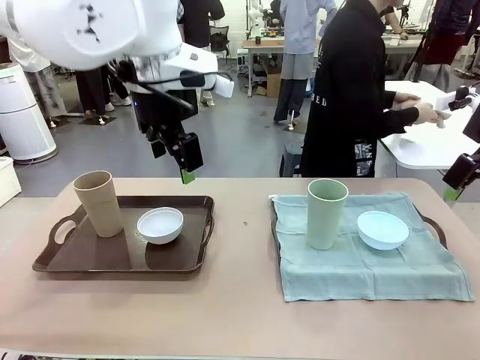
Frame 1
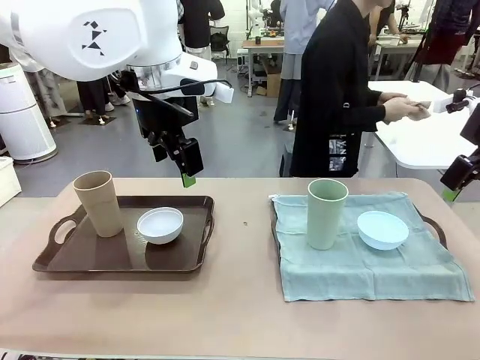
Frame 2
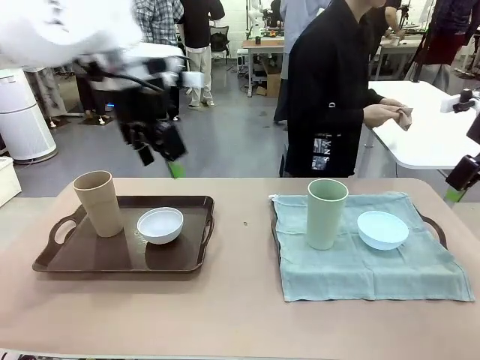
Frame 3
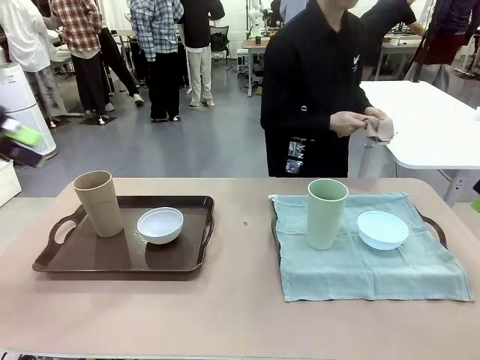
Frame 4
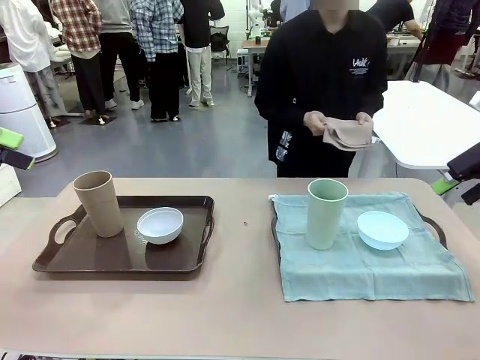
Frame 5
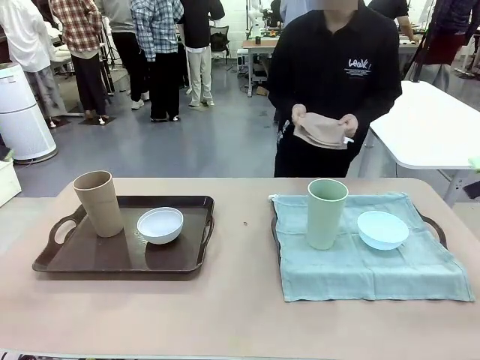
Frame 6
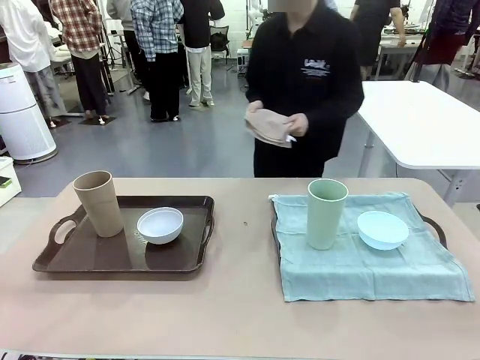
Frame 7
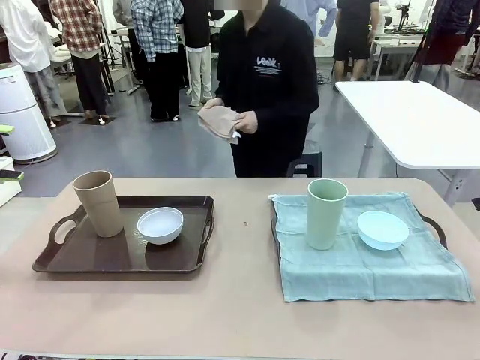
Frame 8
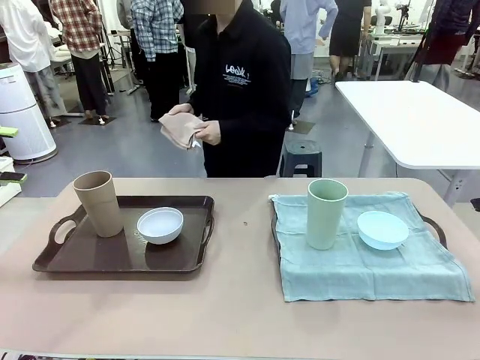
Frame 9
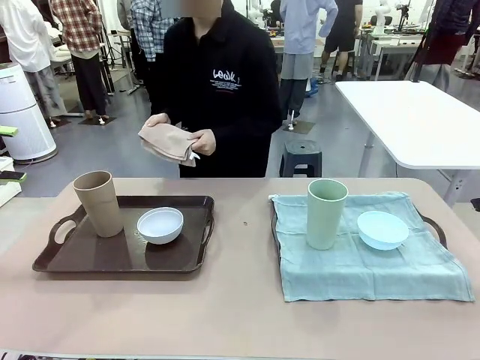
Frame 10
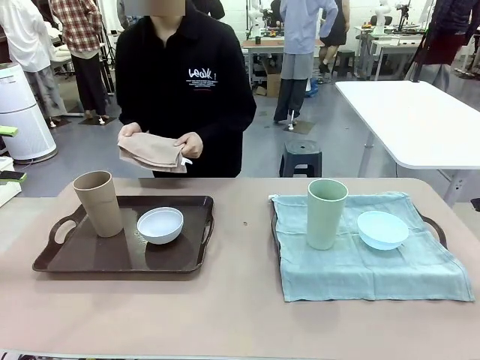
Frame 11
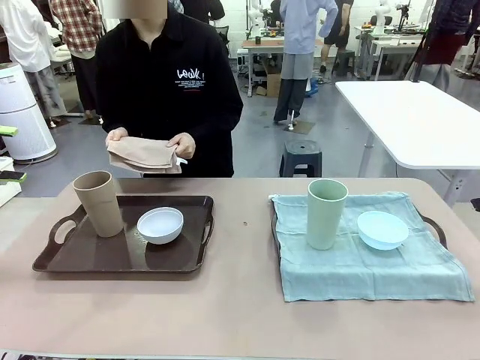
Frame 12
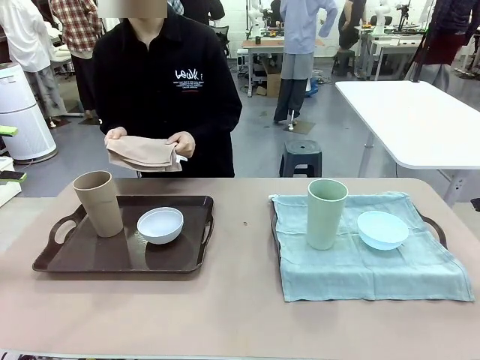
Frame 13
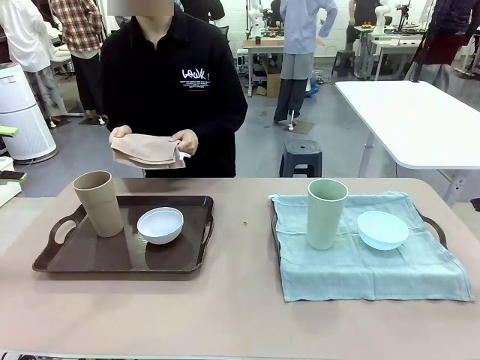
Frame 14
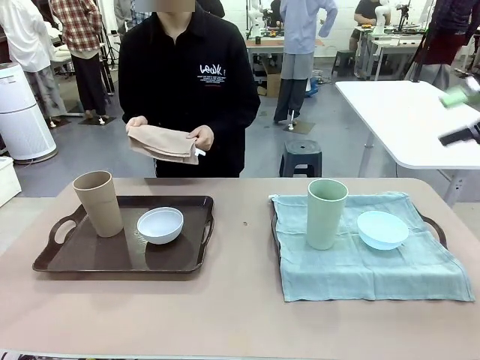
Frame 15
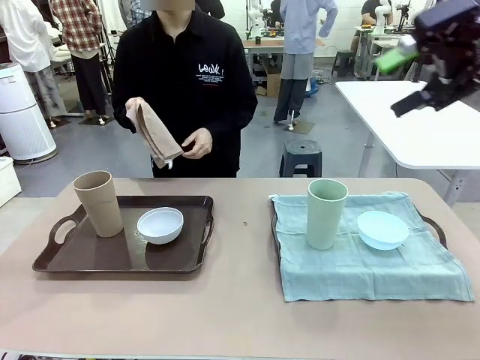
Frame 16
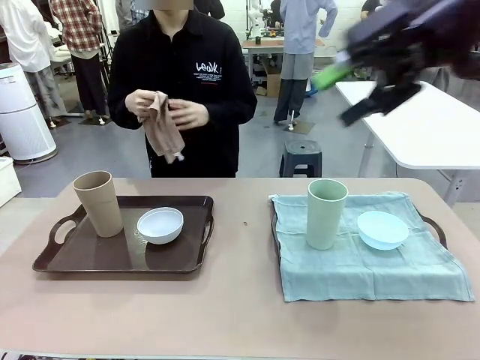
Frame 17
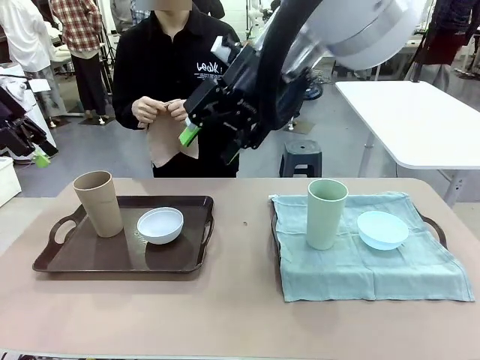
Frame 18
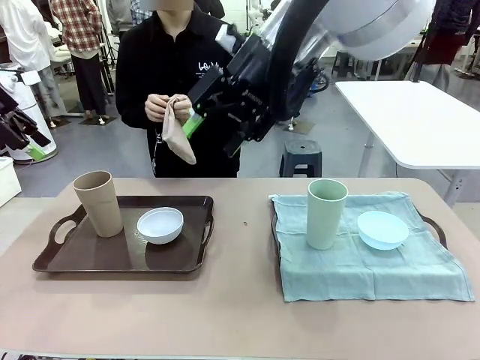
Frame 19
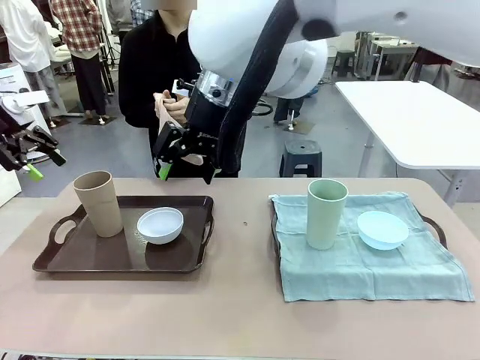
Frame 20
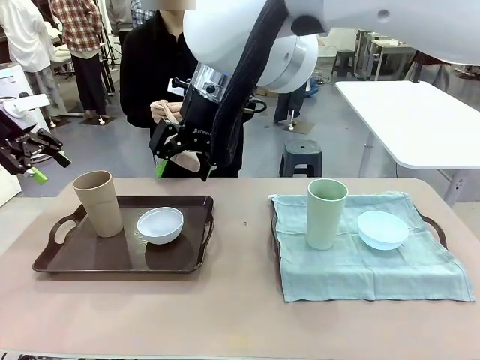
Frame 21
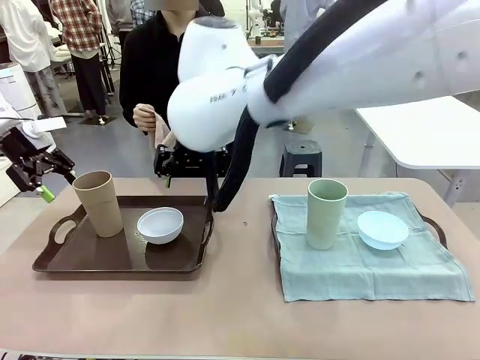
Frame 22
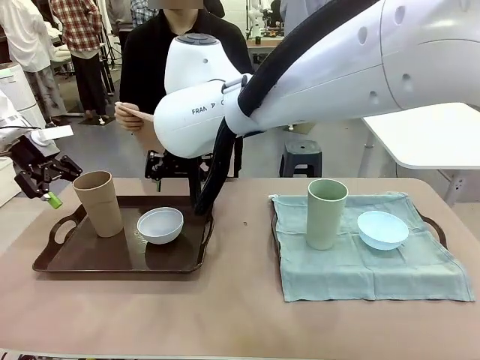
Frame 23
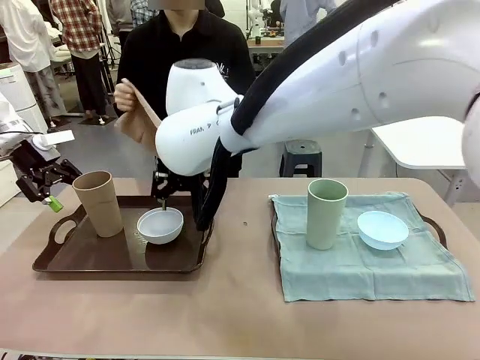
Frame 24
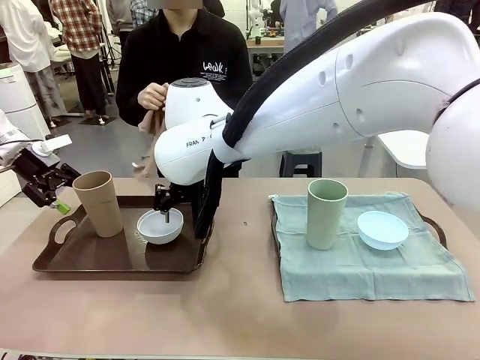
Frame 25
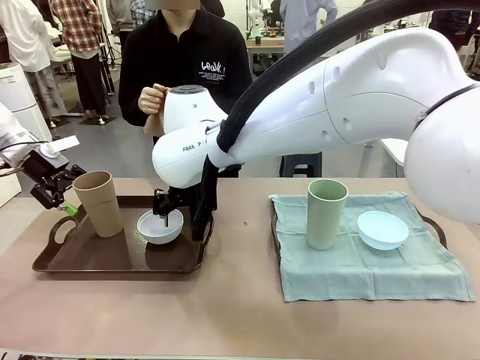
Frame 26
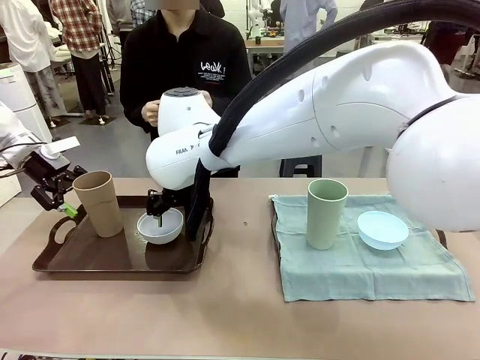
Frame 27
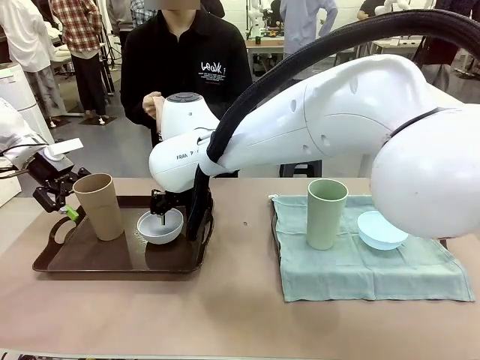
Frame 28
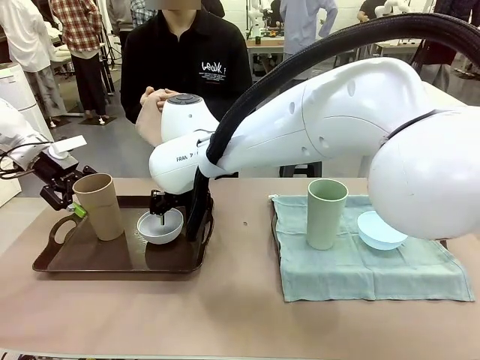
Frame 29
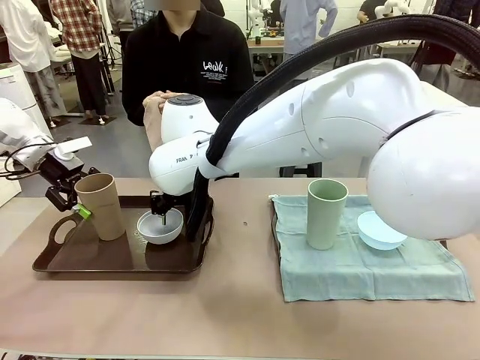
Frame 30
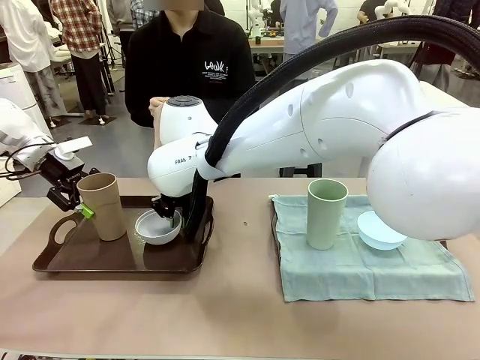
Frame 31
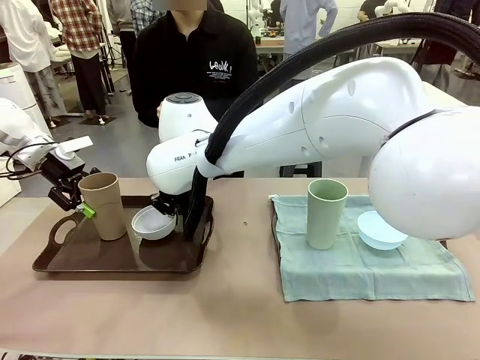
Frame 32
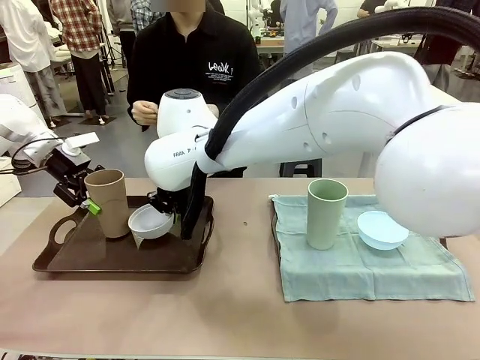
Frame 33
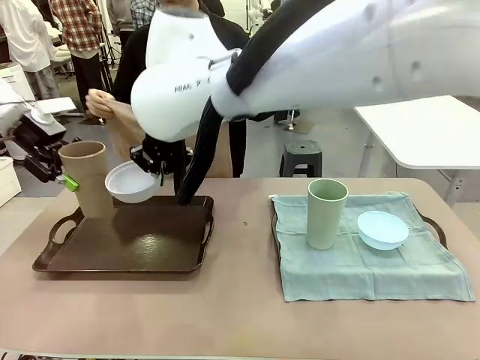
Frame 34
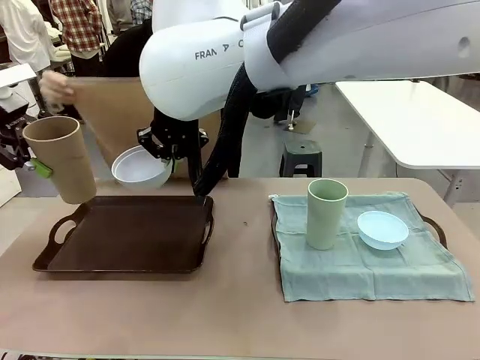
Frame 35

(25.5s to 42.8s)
Robot: Pick up the Picnic Bowl and Reusable plastic cup from the Handle tray in front of the human's position and hold them in the air.
Person: The human returns to the human table to pick up another napkin and walks to the robot table to stand in front of the tray without a napkin.

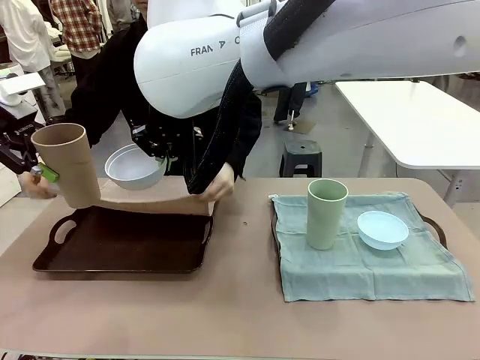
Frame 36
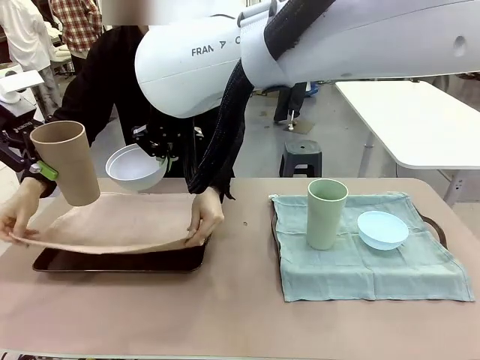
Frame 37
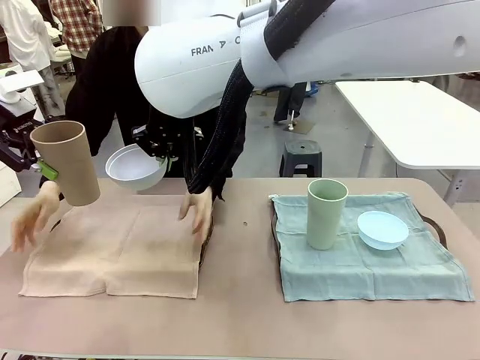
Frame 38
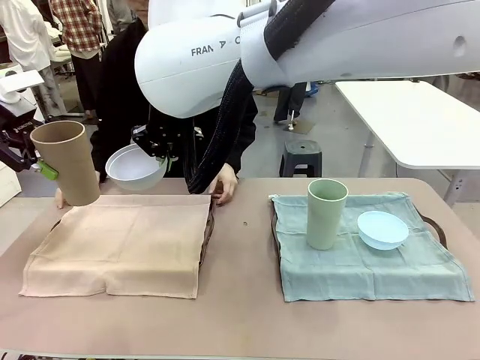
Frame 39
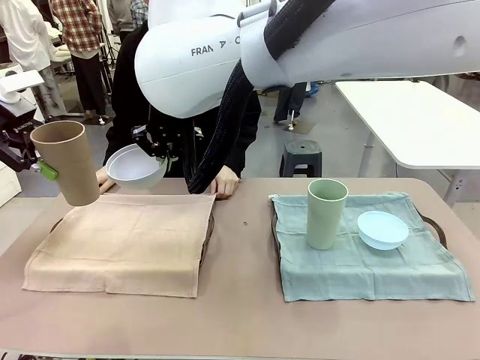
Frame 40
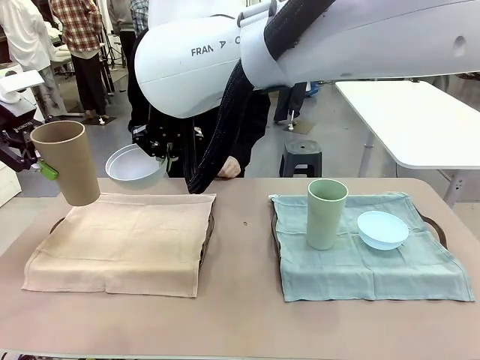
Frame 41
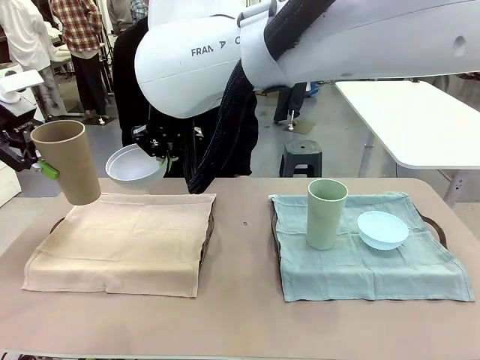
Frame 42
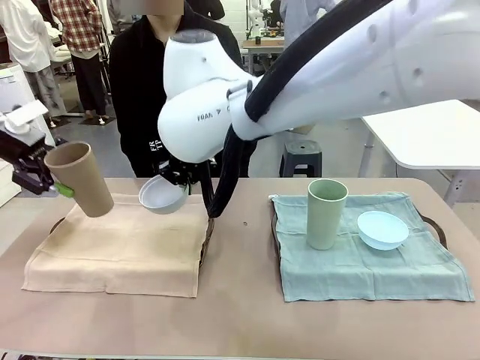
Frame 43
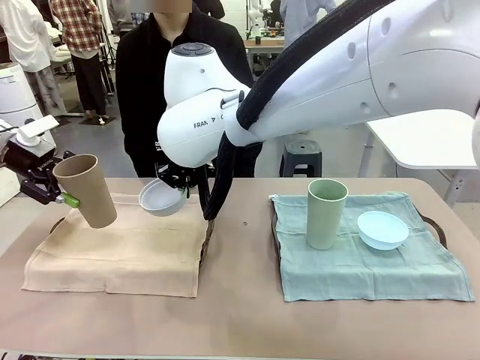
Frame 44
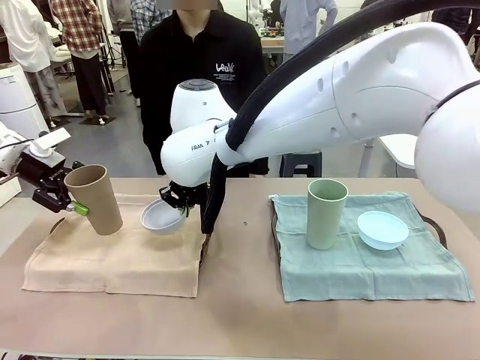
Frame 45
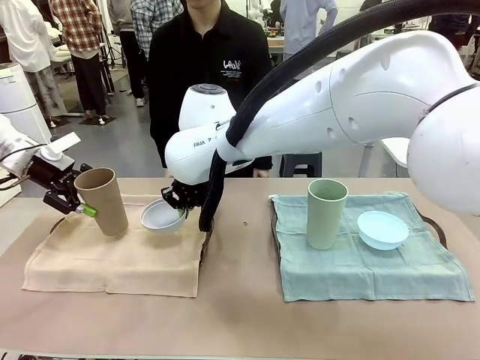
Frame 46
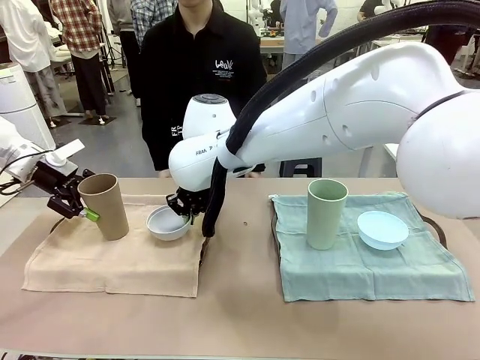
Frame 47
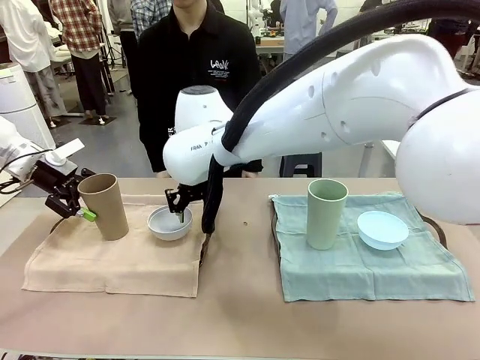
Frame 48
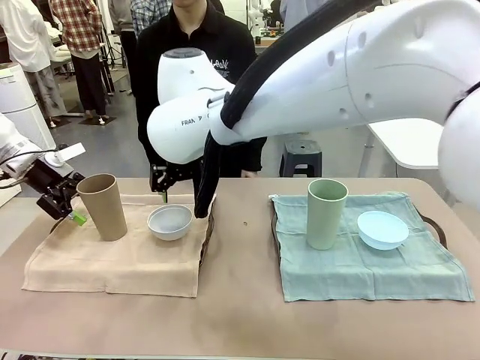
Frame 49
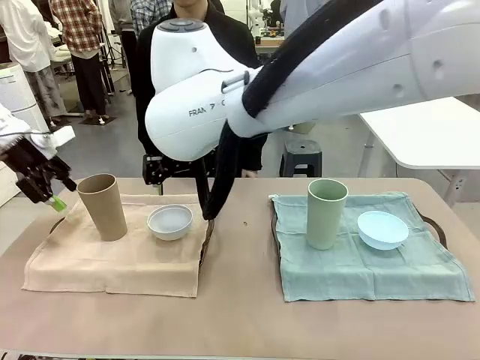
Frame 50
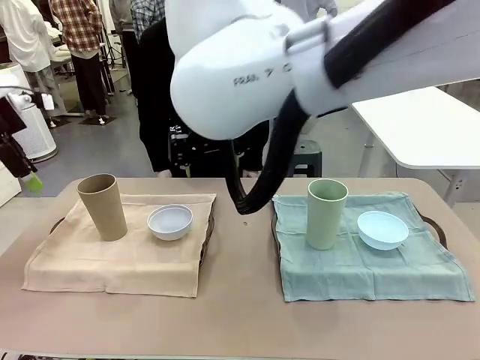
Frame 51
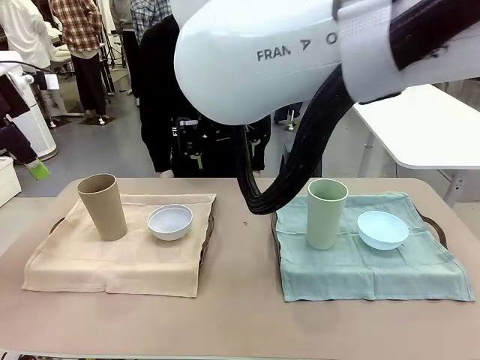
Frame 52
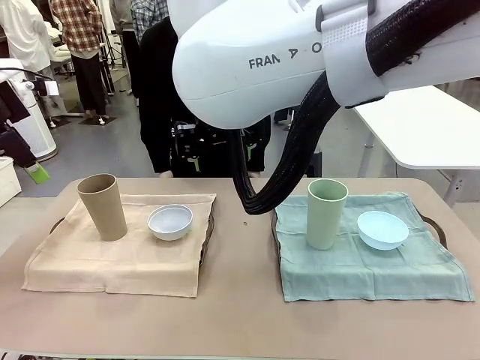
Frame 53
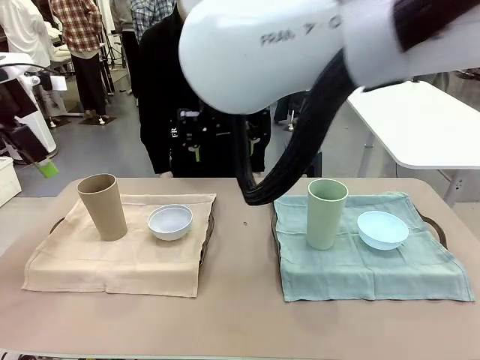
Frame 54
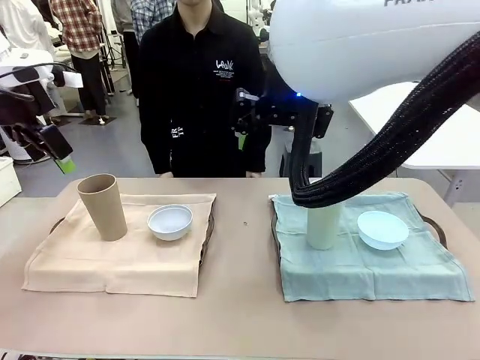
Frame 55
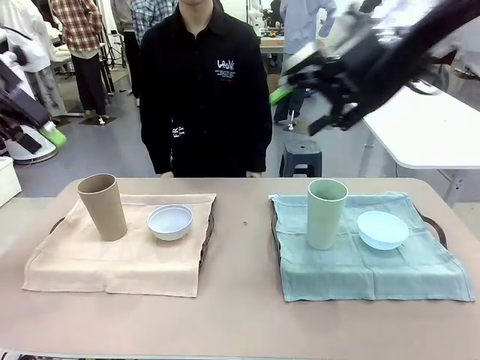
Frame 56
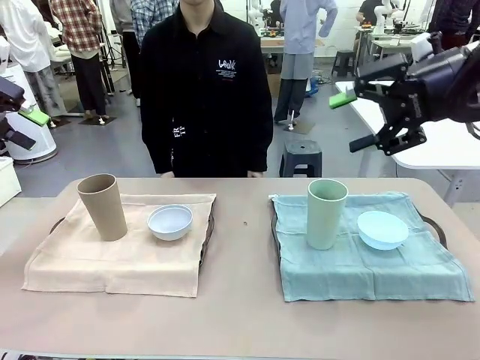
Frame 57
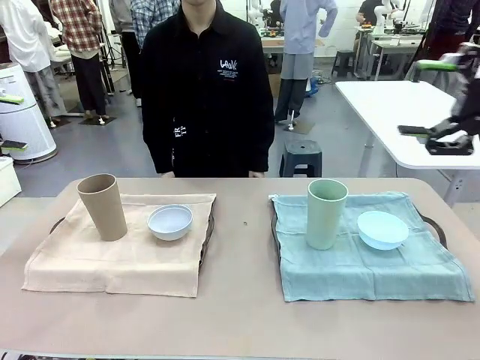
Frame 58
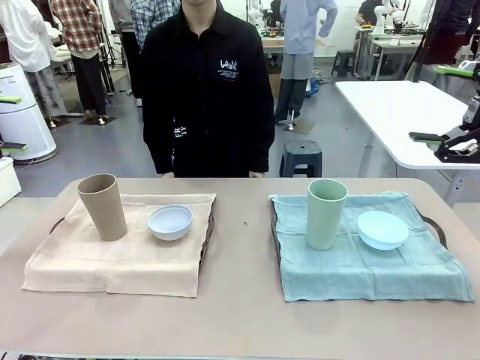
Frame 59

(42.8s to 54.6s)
Robot: Place the Picnic Bowl and Reusable plastic cup back onto the Handle tray in front of the human's position.
Person: When the robot lifts the bowl and the cup, the human unfolds the napkin and lays the napkin flat on the tray.
